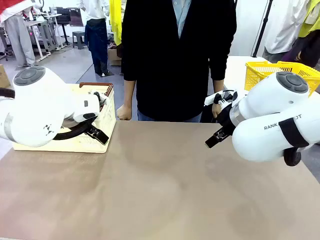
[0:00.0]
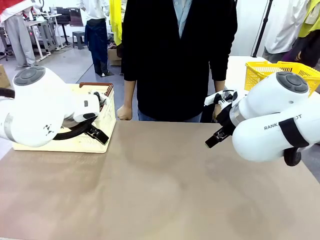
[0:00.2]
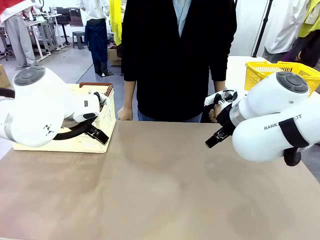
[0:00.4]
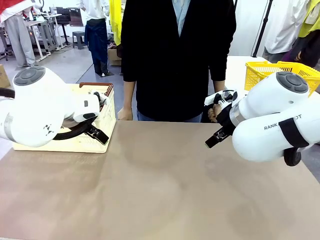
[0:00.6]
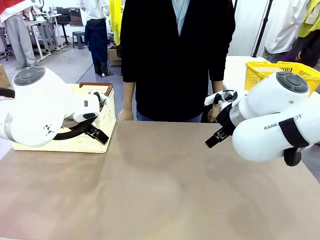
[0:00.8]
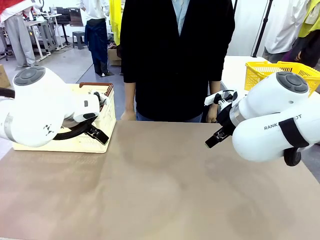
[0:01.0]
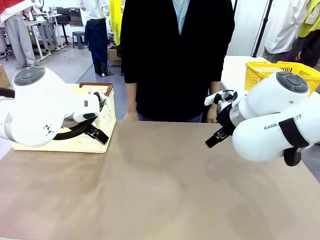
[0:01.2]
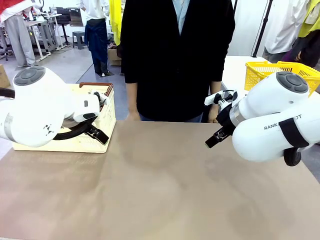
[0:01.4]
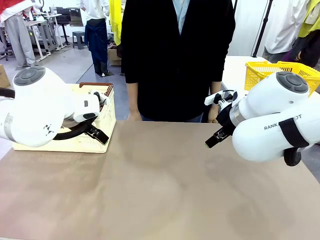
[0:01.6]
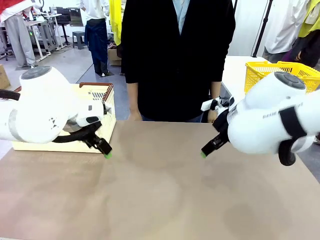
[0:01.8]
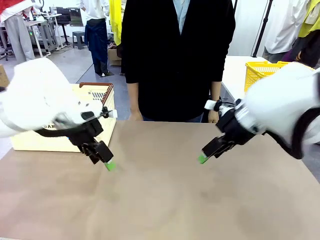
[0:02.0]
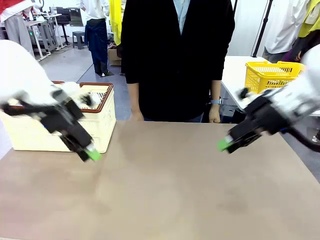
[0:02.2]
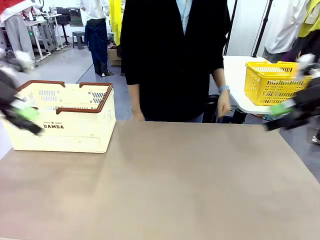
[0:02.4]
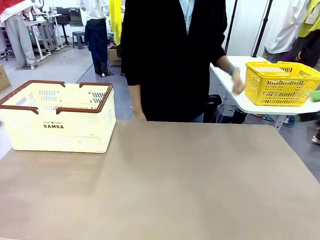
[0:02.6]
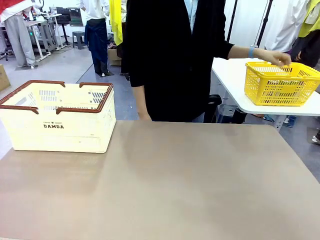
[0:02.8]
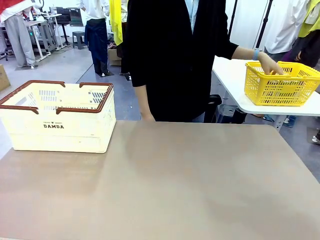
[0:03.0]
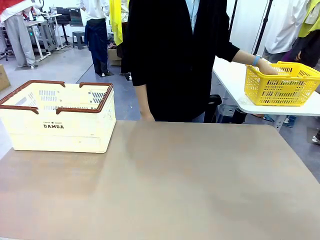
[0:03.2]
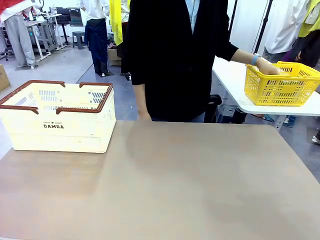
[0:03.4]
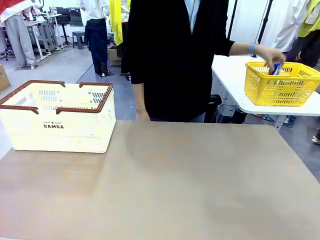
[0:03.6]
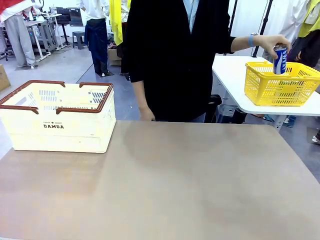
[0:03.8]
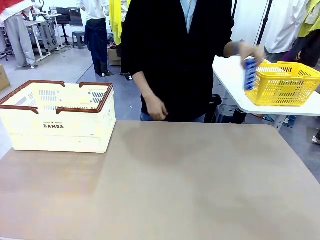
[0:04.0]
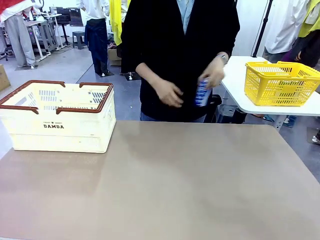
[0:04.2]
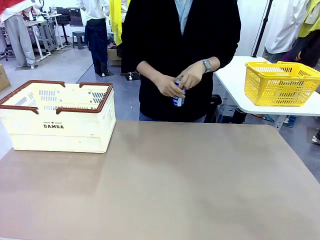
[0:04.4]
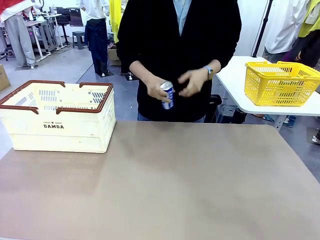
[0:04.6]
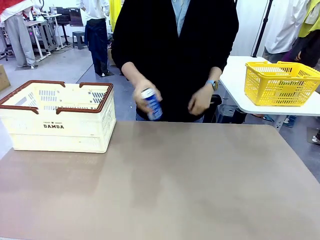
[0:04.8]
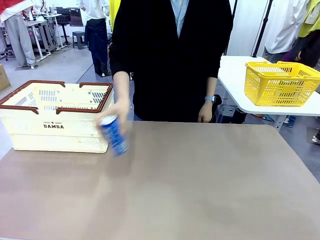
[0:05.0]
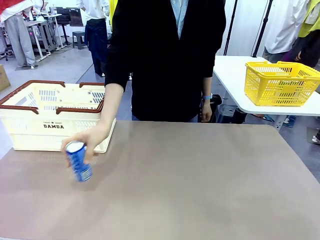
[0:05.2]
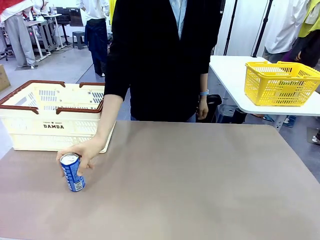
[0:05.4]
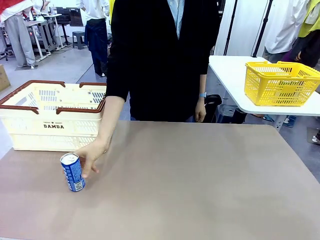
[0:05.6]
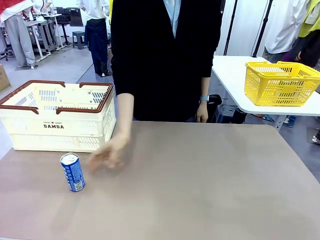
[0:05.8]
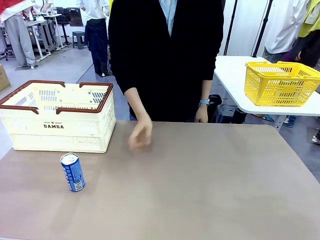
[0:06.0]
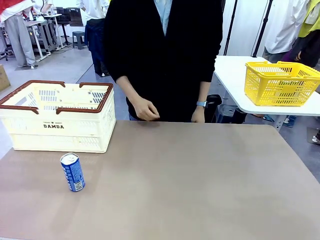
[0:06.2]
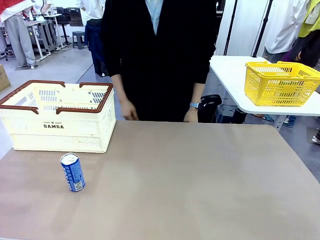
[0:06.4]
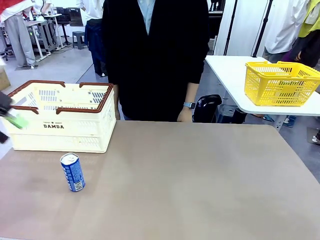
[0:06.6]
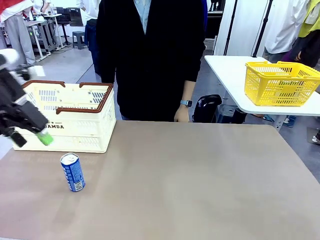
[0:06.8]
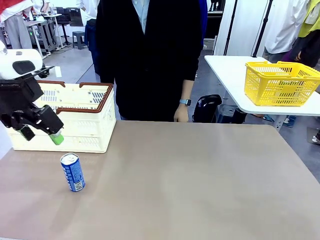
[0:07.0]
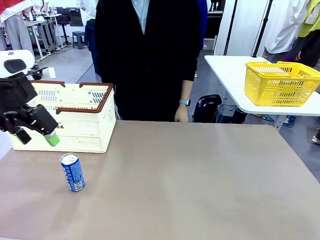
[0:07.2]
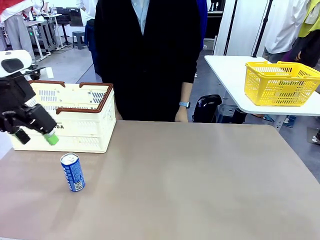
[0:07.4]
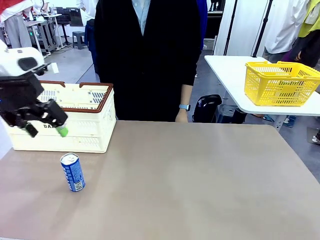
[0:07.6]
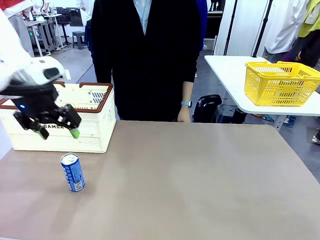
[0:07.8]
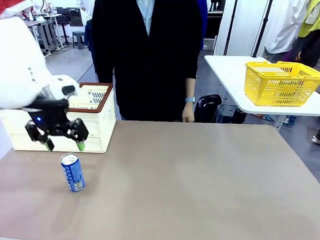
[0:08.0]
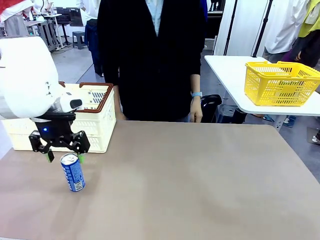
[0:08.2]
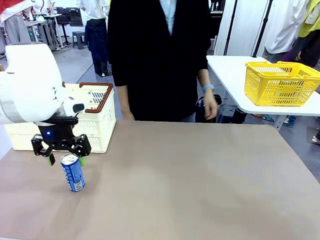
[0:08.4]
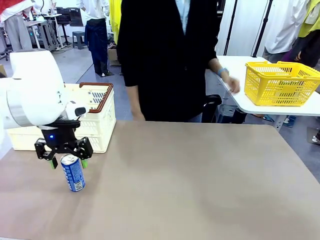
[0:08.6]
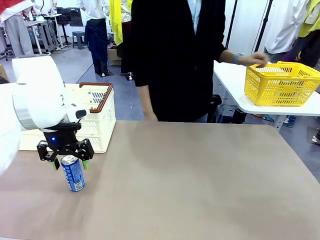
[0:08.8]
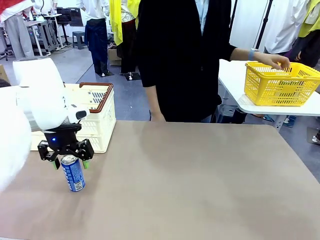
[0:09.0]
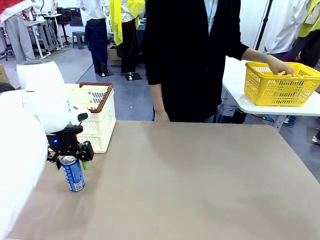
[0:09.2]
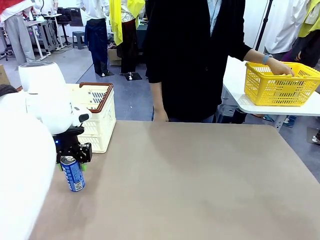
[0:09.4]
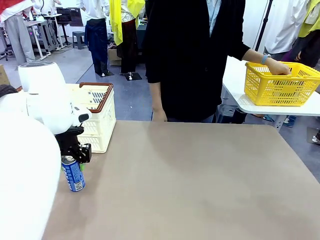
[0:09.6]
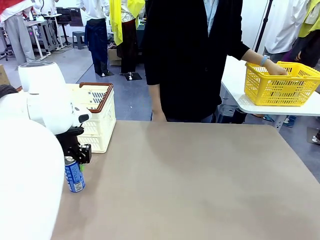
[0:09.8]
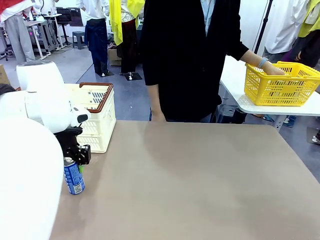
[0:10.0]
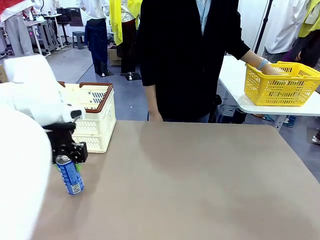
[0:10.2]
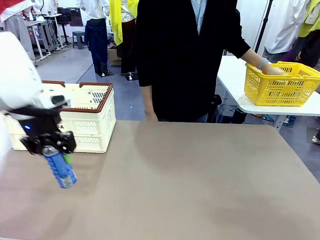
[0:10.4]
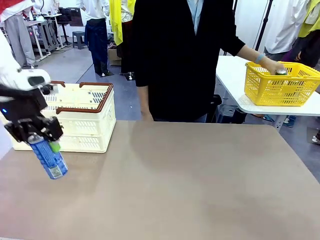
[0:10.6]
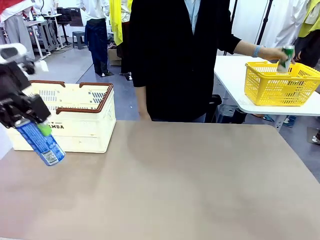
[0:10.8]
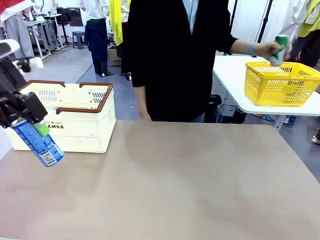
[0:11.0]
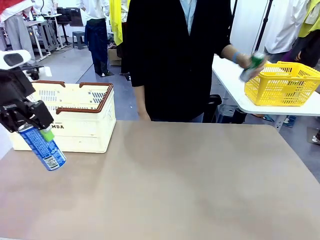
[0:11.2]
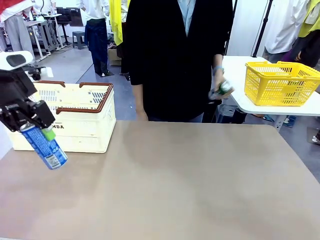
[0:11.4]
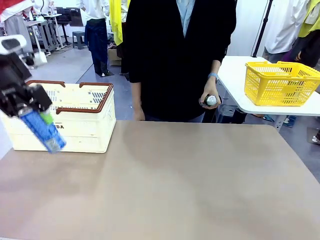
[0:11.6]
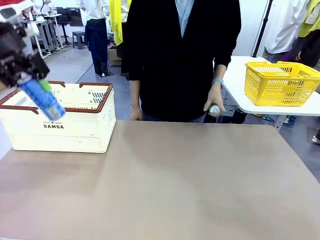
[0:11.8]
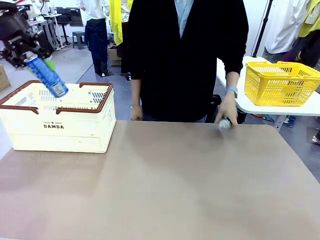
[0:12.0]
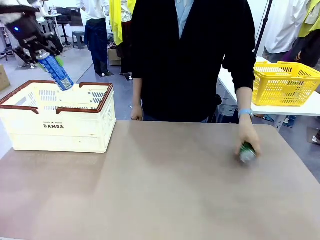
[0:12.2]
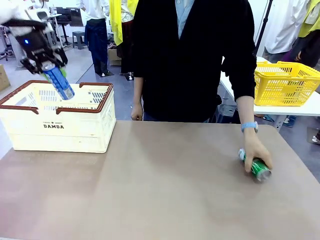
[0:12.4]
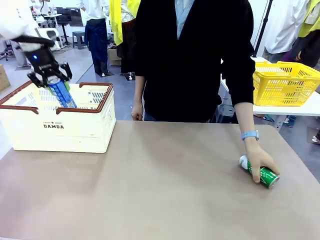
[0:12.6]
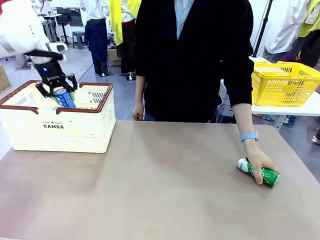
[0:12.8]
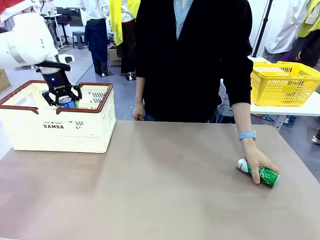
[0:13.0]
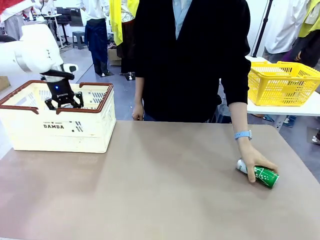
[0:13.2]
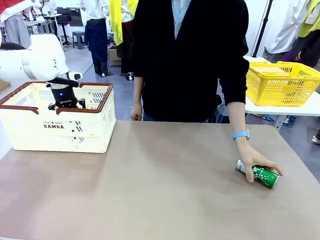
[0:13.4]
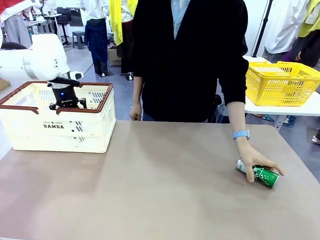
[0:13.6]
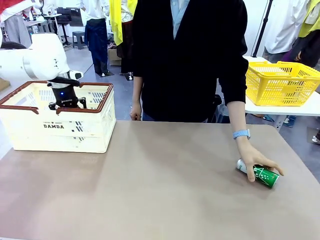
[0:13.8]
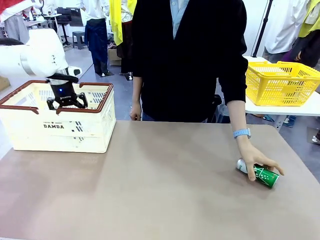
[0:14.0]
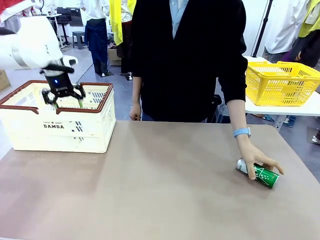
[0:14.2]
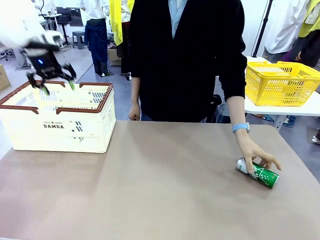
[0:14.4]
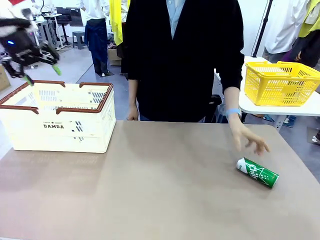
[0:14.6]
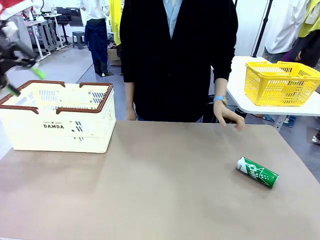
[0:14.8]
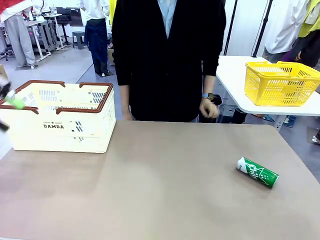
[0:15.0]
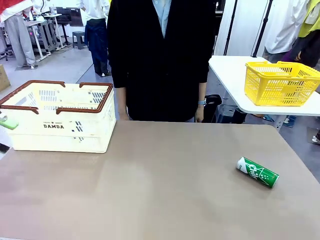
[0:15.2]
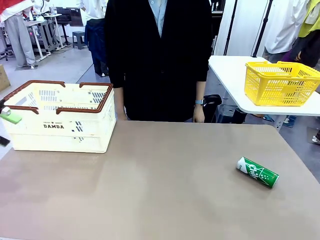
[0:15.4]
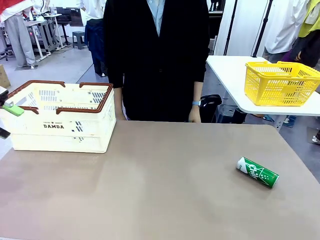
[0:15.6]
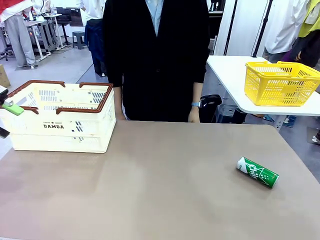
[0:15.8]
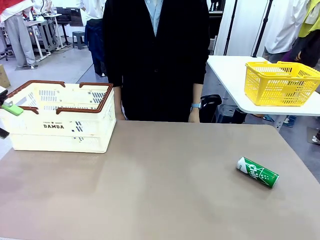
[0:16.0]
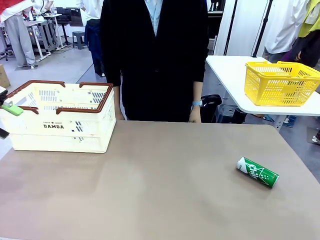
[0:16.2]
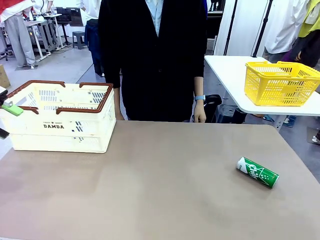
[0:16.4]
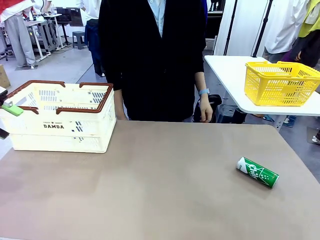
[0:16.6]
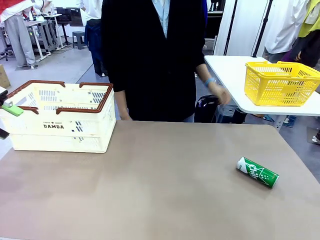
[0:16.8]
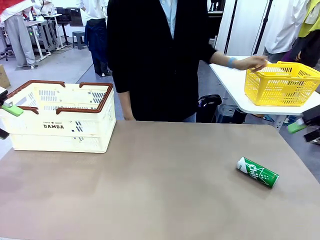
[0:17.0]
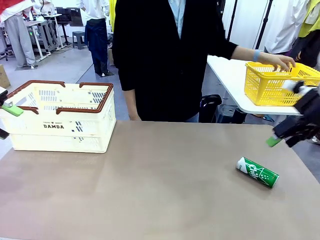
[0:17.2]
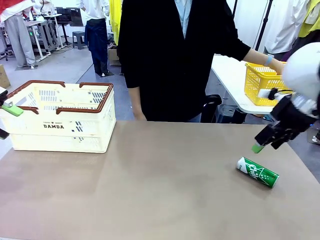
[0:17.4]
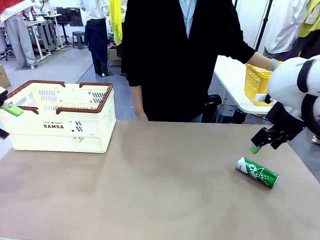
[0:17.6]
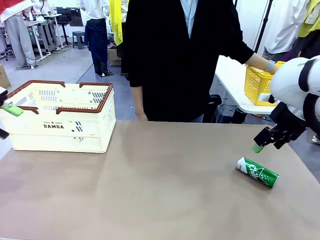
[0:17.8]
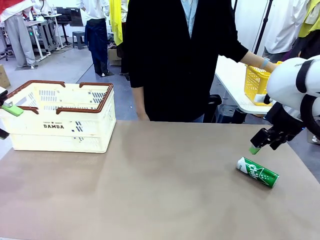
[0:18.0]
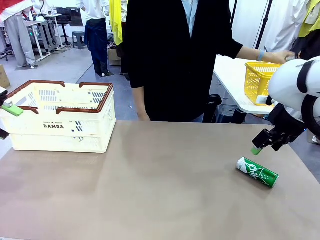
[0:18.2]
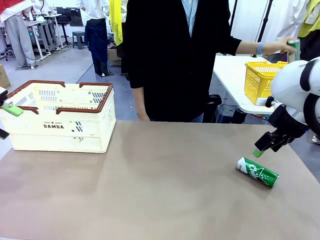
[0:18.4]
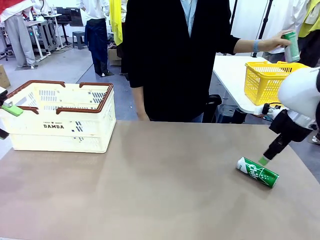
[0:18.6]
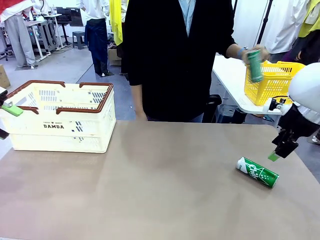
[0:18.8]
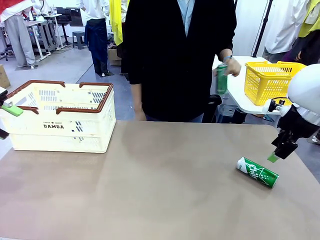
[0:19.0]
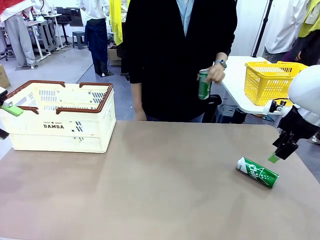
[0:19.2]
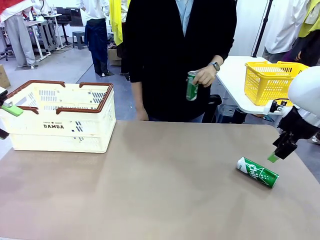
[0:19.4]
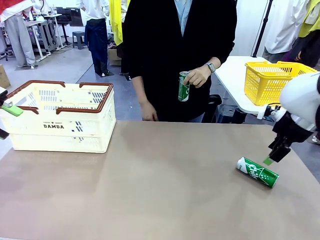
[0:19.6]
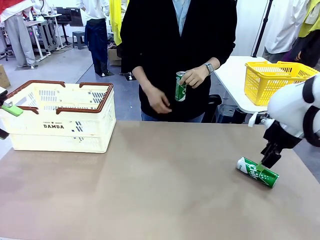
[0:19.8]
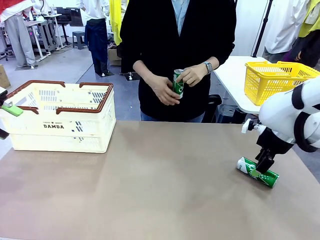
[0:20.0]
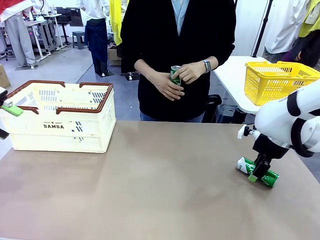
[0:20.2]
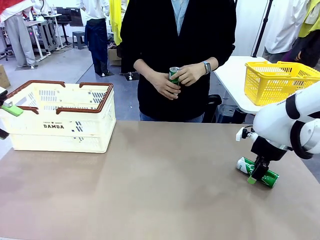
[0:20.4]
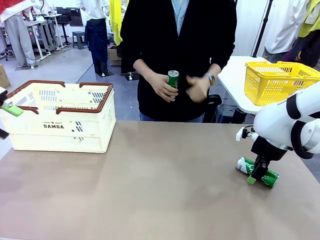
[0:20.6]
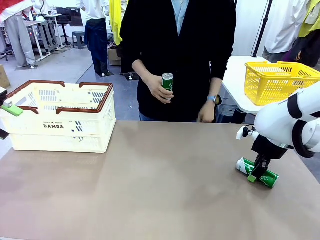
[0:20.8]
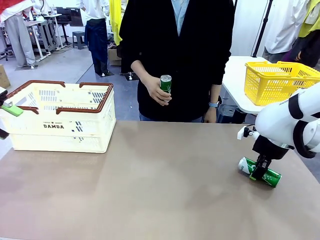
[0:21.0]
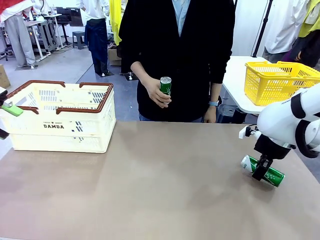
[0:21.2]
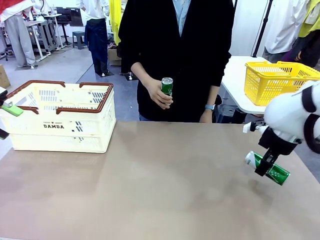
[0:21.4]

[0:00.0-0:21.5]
Task: Place the drinks into the Shopping basket.
Robot: Pick up one drink and place it into the Shopping basket.
